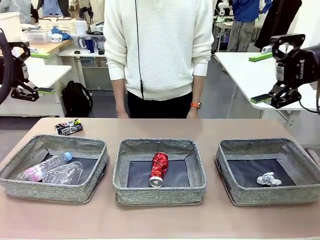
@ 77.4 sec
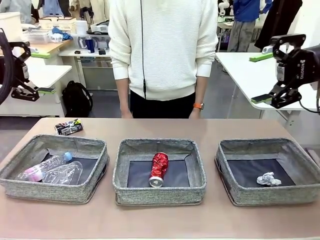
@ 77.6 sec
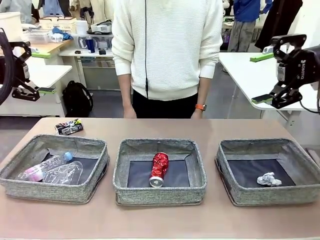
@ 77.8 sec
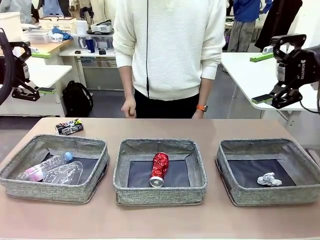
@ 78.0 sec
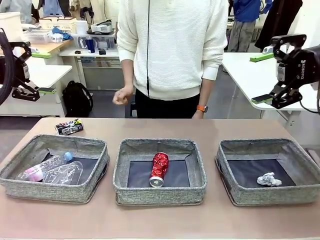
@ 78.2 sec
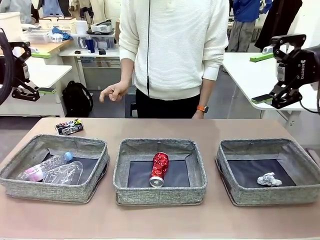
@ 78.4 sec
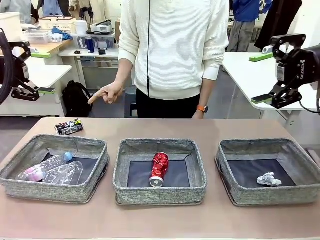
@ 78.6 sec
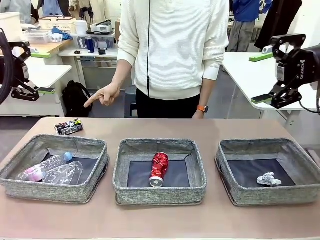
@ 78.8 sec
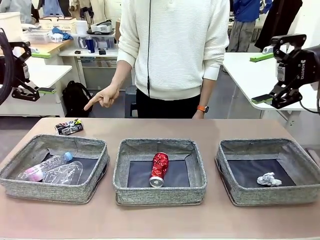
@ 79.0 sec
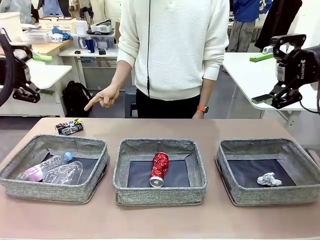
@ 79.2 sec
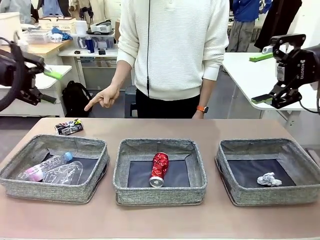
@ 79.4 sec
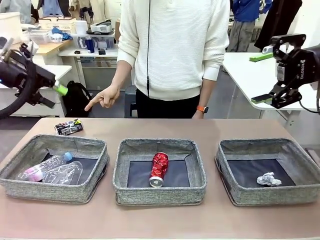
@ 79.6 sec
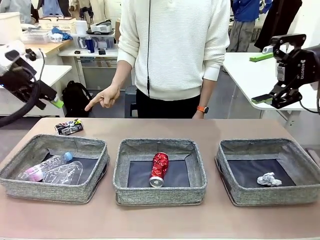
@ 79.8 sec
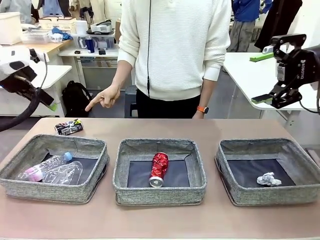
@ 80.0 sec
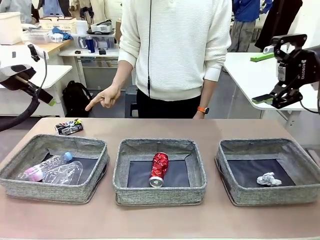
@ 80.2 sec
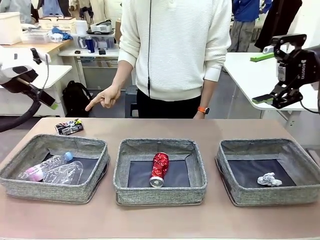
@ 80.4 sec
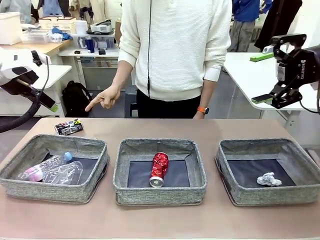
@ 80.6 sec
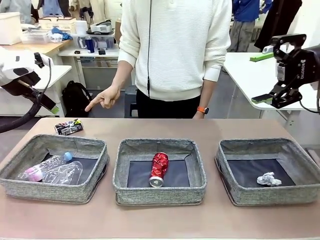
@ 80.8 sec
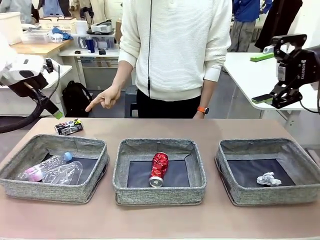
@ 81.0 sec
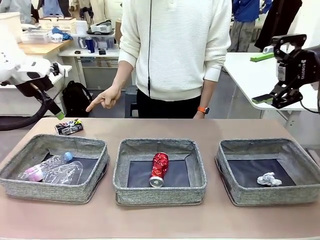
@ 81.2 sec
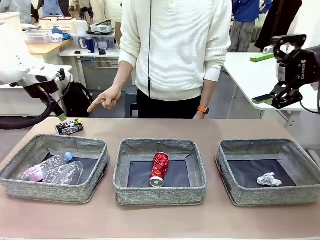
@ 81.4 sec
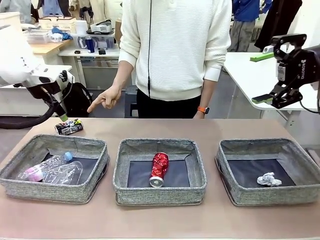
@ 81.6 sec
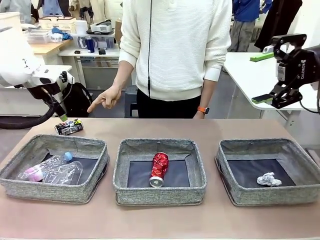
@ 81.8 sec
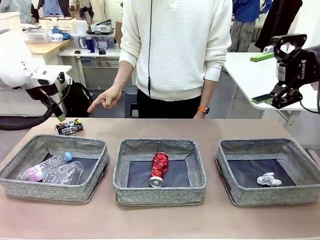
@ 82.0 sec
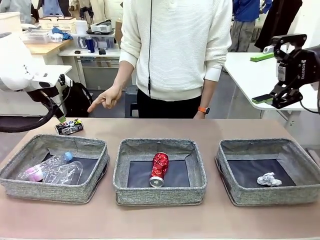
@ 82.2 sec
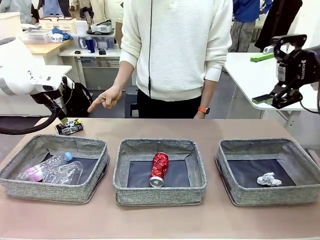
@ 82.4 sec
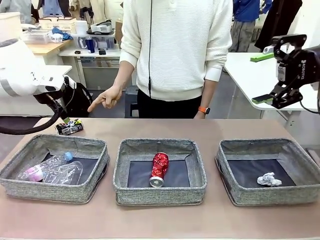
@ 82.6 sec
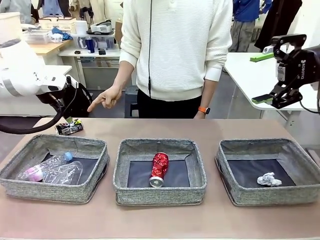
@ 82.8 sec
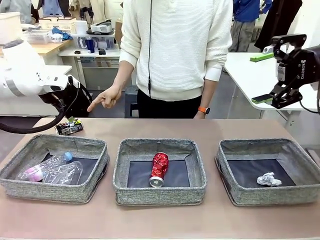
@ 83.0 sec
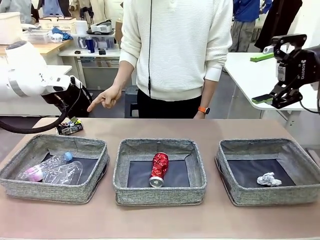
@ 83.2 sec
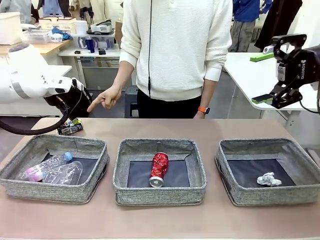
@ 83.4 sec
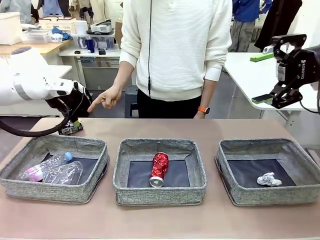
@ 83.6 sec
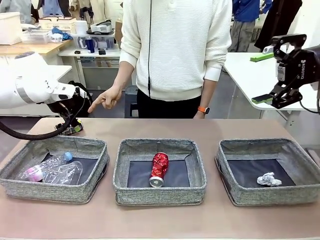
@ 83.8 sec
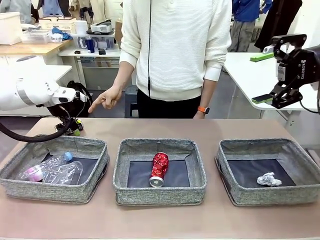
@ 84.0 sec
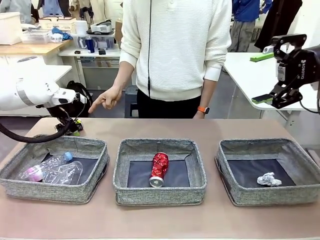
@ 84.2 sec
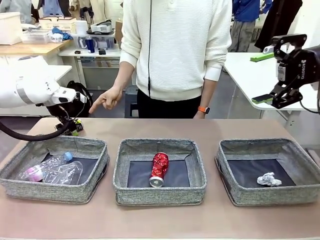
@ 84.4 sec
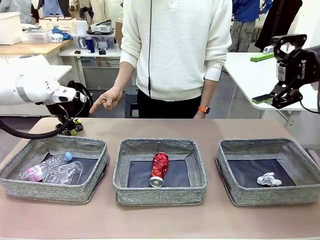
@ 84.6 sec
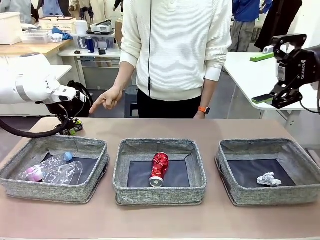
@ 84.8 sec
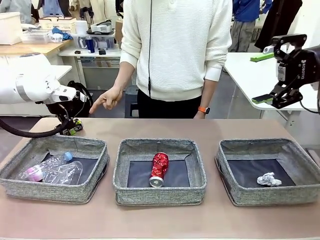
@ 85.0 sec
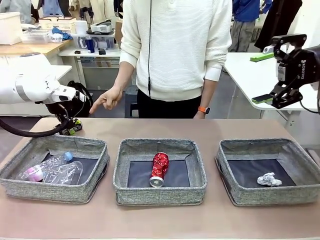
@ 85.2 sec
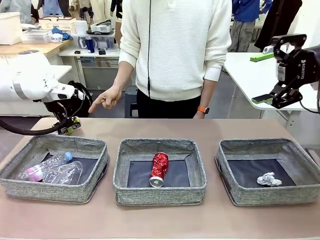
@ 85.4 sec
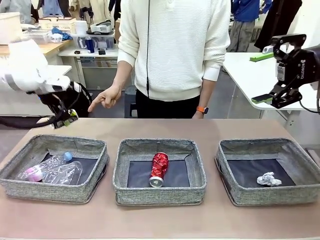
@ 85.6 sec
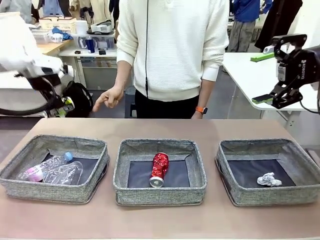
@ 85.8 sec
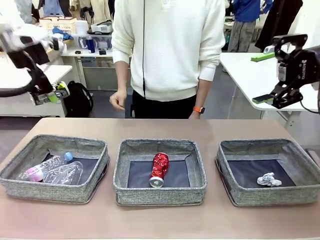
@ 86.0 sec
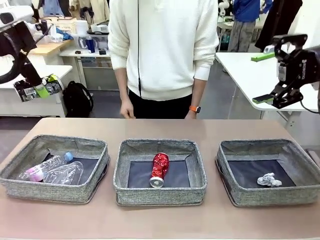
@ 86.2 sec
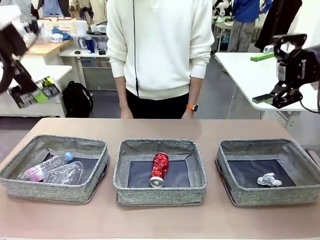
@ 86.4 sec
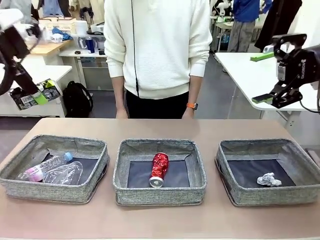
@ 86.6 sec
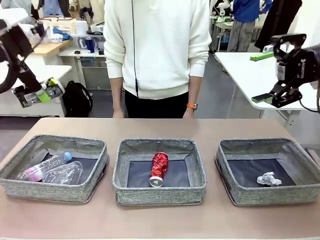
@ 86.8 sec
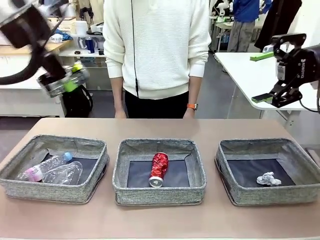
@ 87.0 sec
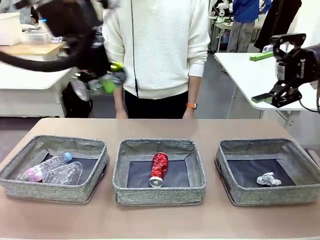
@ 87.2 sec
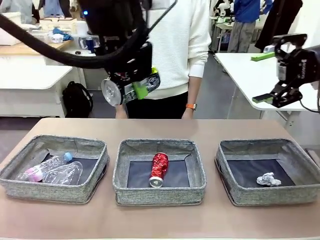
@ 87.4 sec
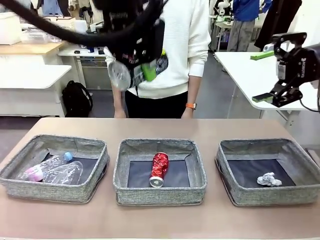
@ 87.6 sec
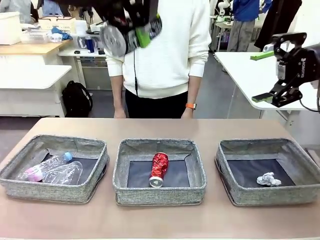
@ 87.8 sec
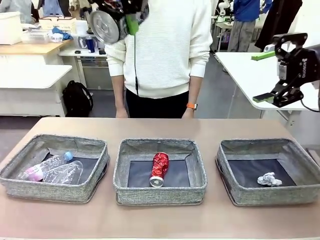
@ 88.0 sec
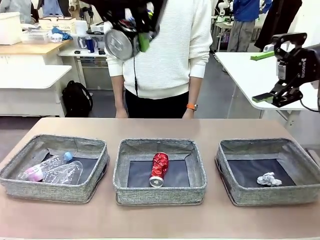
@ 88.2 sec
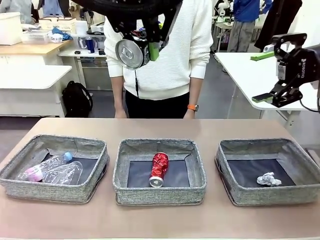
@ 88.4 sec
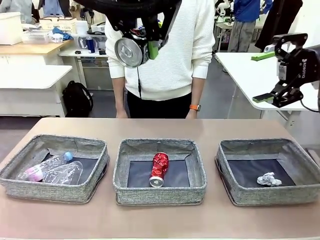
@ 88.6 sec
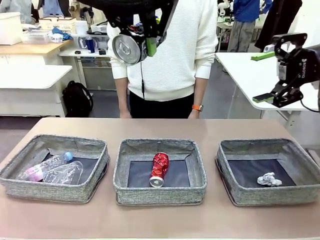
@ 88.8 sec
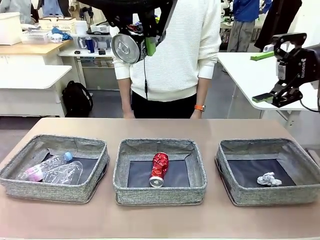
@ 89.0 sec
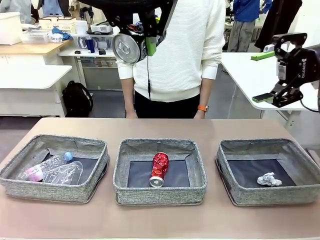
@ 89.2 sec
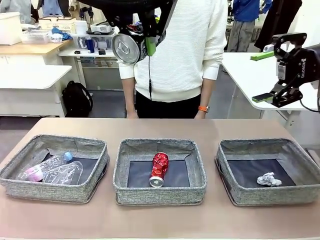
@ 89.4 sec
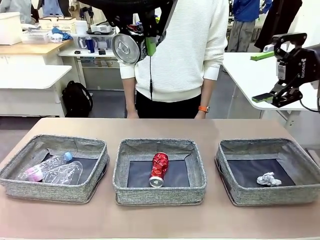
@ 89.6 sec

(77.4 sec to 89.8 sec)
Task: Sort the waste into the appropriate baskets.
Robot: Pick up the waste item pointed out by the person.
Person: Points to one piece of trash on the table.

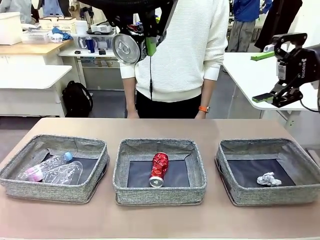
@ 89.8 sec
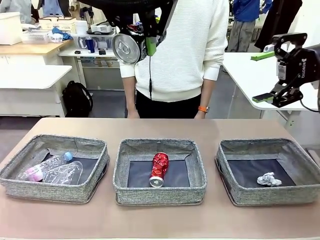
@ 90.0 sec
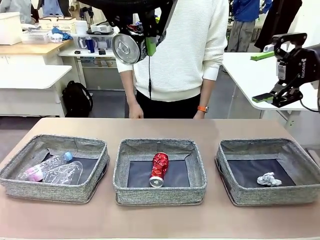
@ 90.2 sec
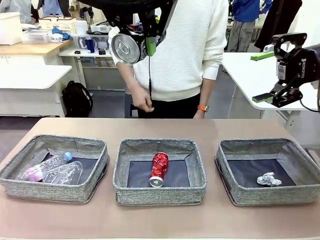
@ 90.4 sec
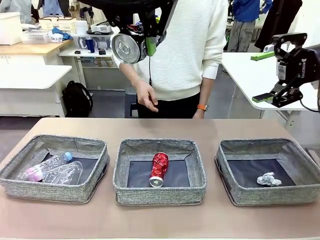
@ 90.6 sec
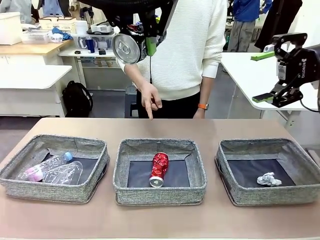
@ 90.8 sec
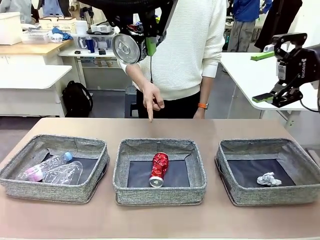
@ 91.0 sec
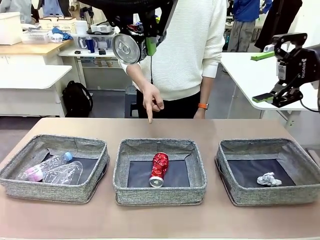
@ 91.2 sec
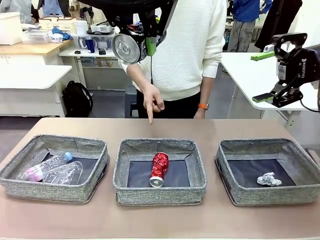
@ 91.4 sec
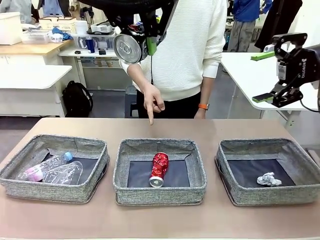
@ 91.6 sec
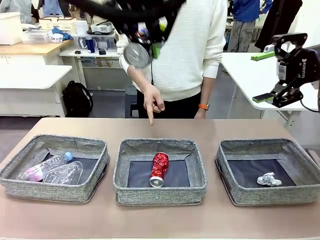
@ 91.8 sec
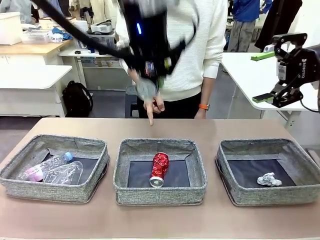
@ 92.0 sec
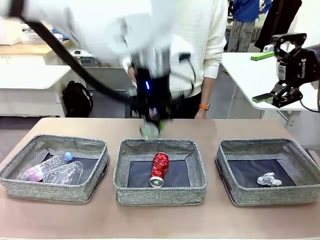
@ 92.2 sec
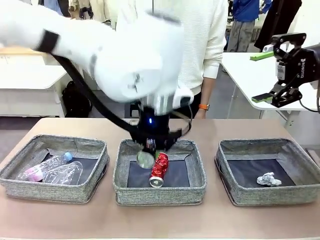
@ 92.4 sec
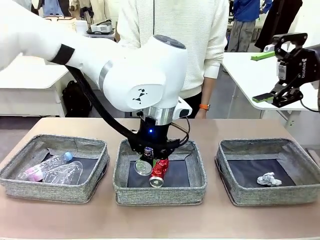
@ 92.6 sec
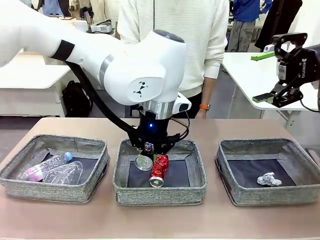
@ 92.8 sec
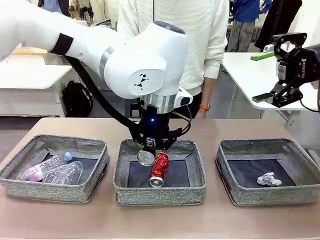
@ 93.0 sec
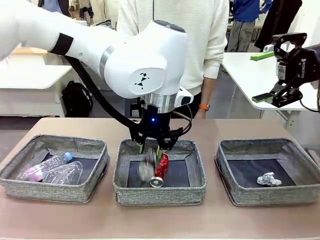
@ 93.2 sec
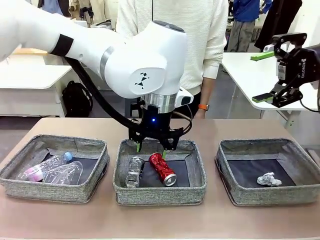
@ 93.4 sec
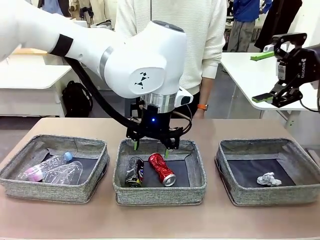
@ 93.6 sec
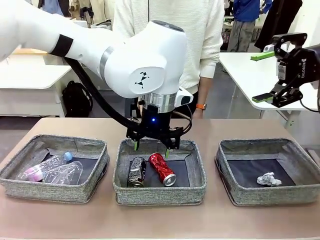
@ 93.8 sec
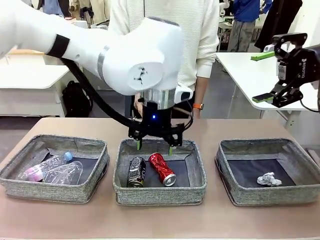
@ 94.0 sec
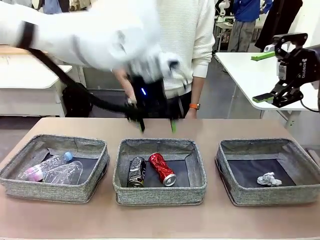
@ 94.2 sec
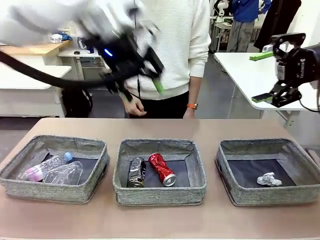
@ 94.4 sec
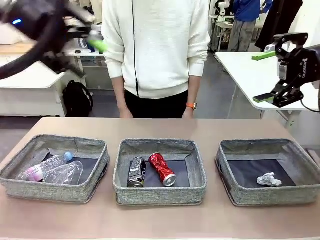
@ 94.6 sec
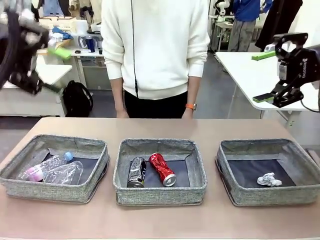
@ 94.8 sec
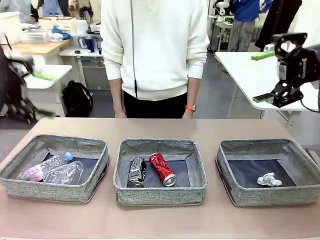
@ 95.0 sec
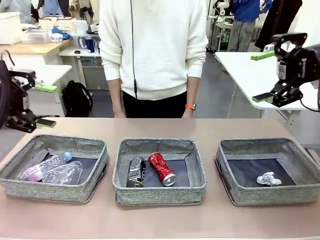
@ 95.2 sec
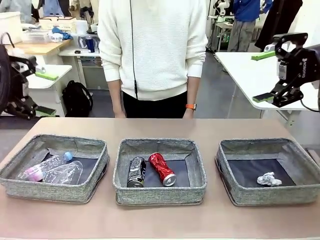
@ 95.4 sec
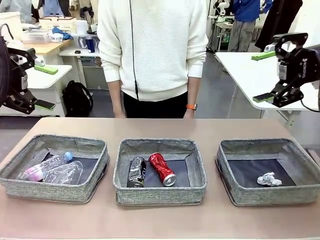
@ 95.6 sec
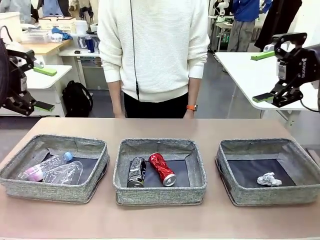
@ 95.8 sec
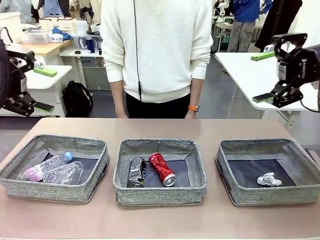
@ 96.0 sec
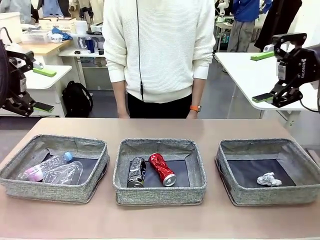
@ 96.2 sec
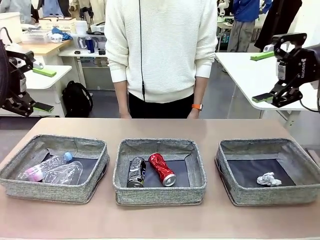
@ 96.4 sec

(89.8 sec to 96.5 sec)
Robot: Place the picked waste into the Fabric basket indicated by the person.
Person: Instructs the robot to place the picked-up trash into the appropriate organizing basket.
